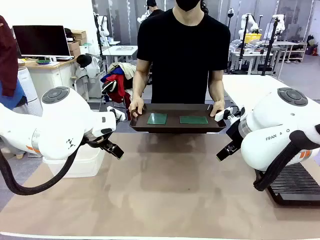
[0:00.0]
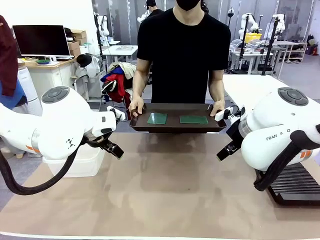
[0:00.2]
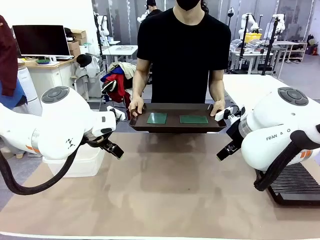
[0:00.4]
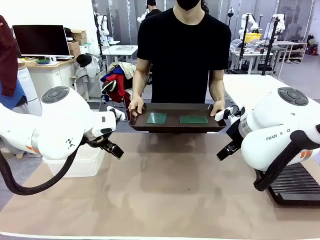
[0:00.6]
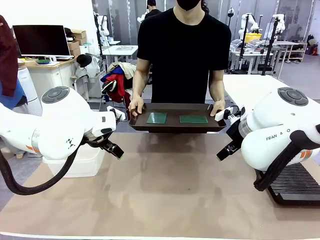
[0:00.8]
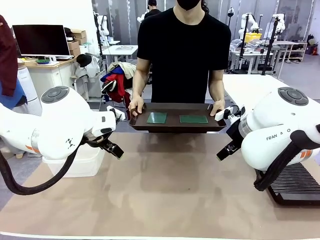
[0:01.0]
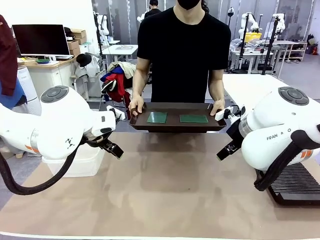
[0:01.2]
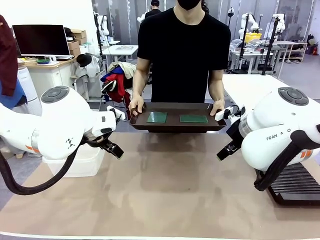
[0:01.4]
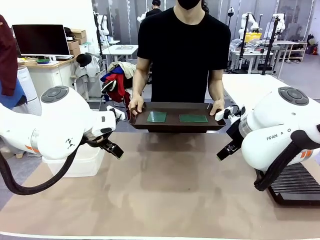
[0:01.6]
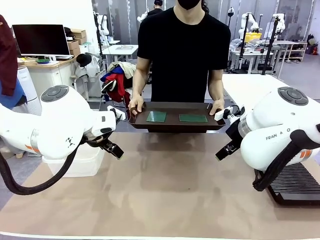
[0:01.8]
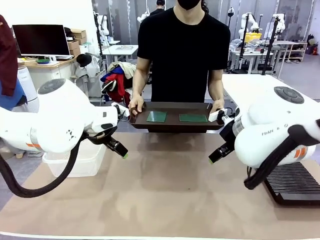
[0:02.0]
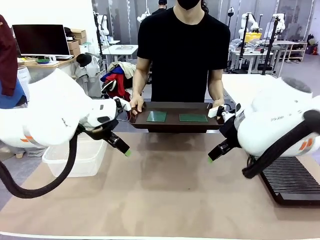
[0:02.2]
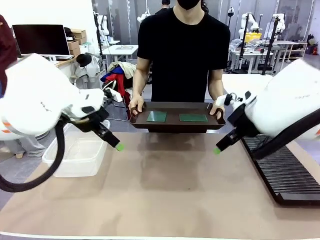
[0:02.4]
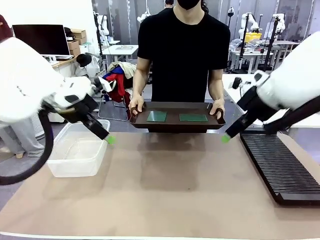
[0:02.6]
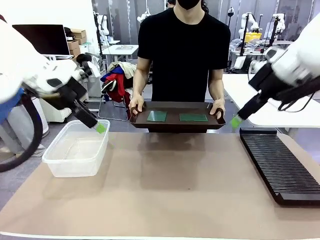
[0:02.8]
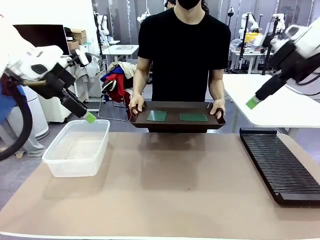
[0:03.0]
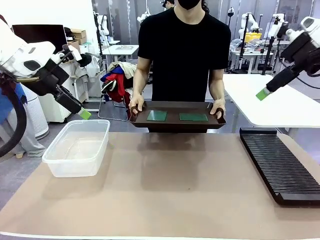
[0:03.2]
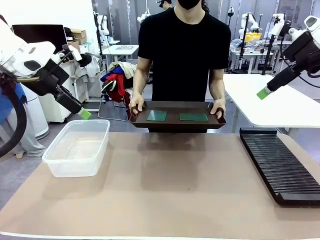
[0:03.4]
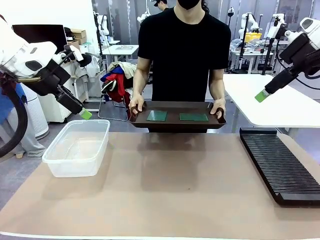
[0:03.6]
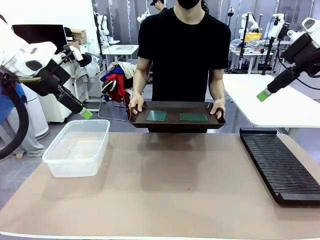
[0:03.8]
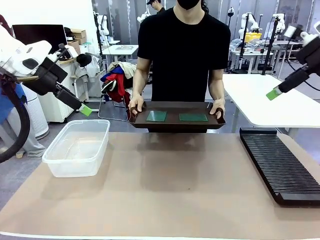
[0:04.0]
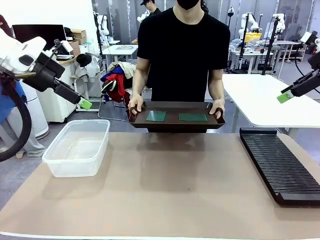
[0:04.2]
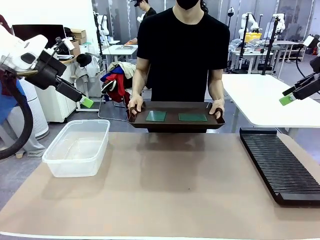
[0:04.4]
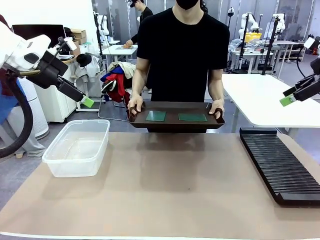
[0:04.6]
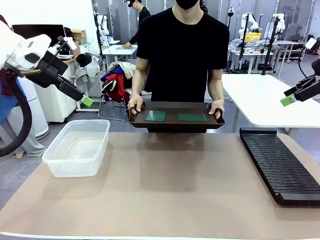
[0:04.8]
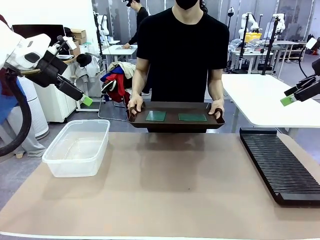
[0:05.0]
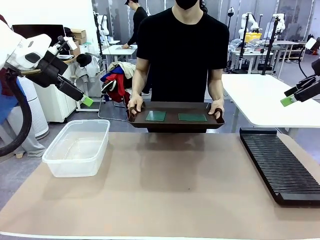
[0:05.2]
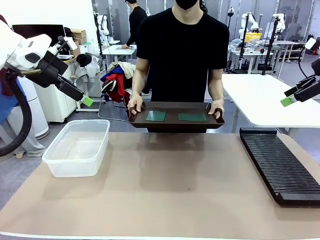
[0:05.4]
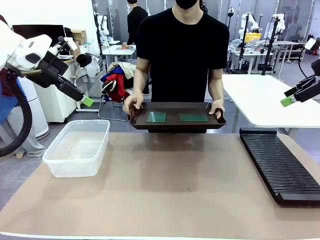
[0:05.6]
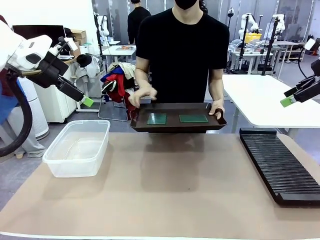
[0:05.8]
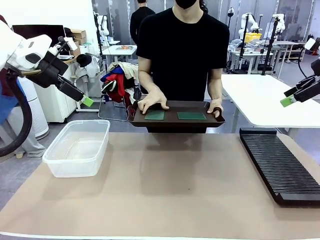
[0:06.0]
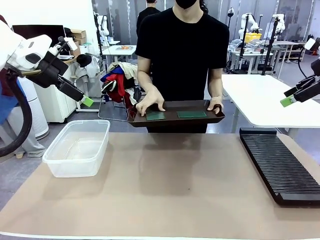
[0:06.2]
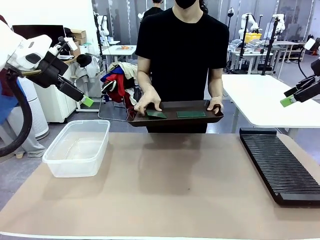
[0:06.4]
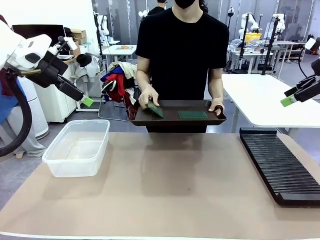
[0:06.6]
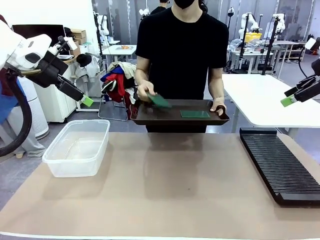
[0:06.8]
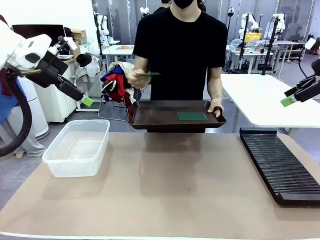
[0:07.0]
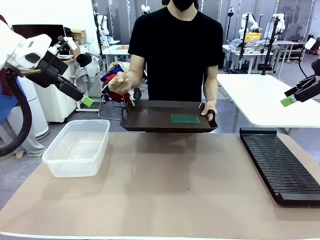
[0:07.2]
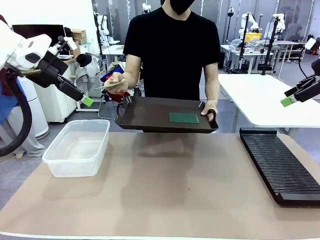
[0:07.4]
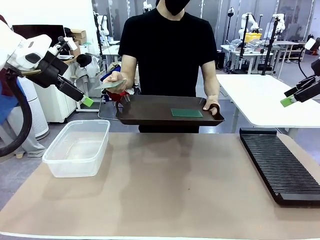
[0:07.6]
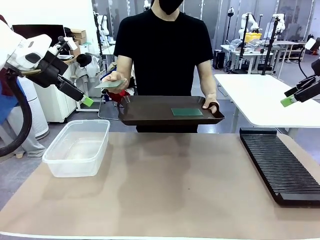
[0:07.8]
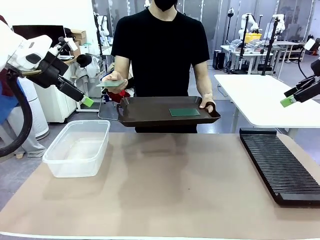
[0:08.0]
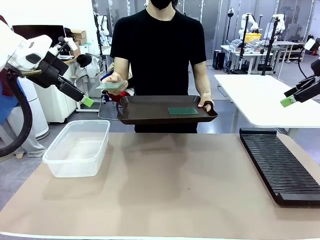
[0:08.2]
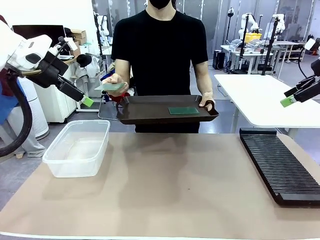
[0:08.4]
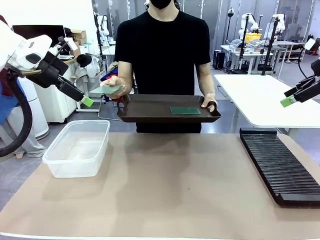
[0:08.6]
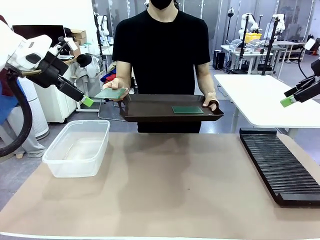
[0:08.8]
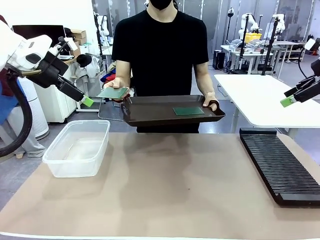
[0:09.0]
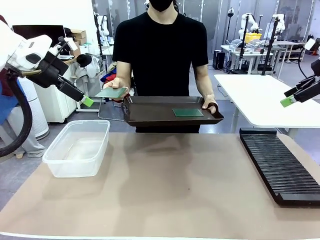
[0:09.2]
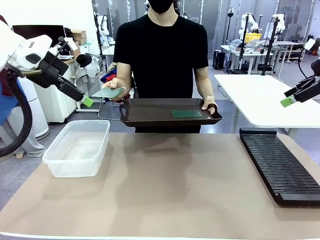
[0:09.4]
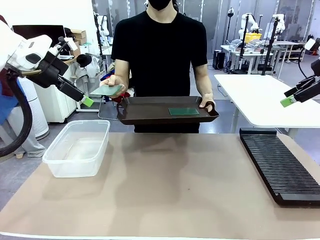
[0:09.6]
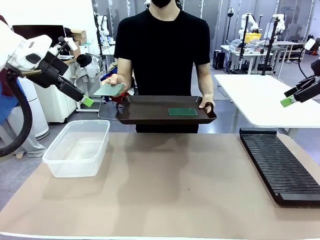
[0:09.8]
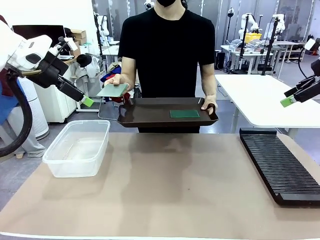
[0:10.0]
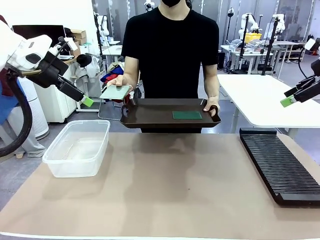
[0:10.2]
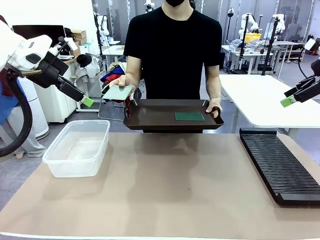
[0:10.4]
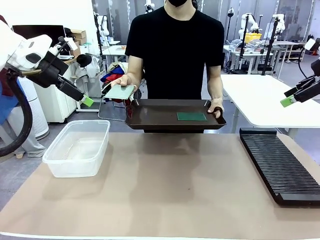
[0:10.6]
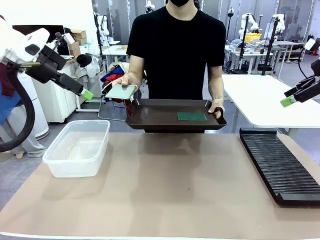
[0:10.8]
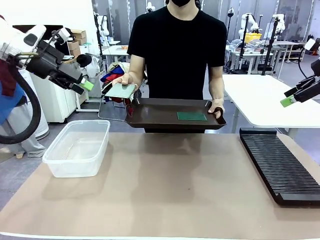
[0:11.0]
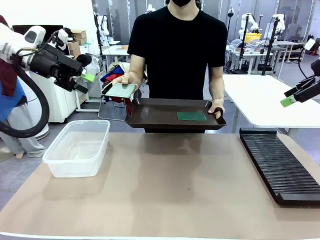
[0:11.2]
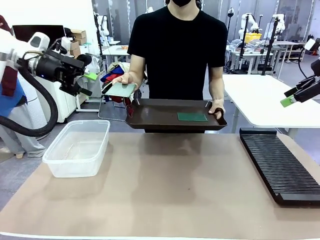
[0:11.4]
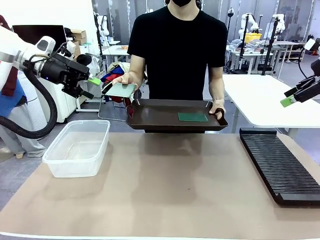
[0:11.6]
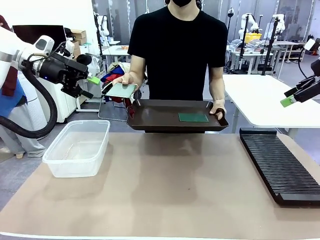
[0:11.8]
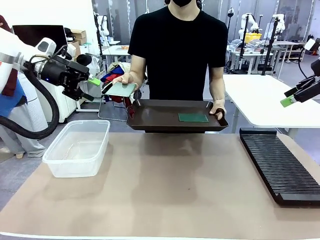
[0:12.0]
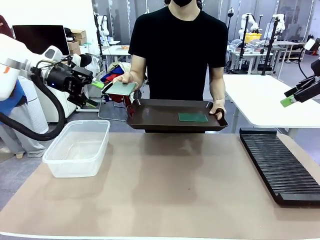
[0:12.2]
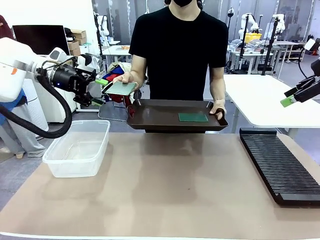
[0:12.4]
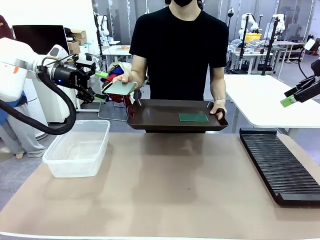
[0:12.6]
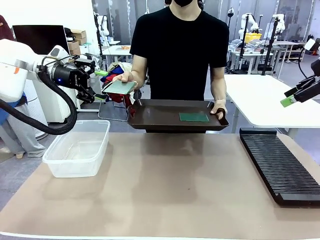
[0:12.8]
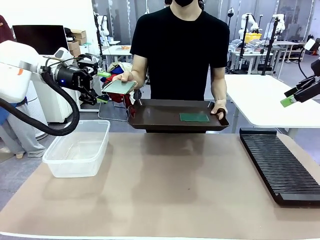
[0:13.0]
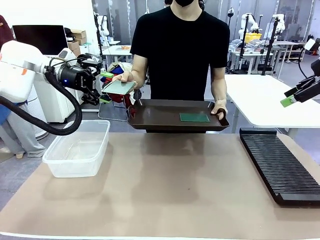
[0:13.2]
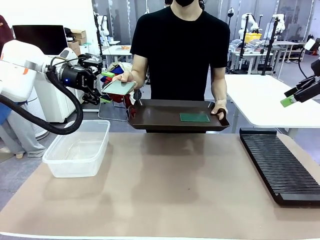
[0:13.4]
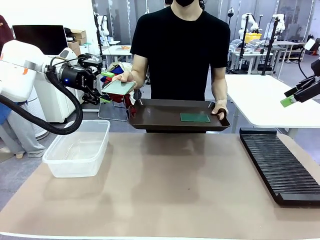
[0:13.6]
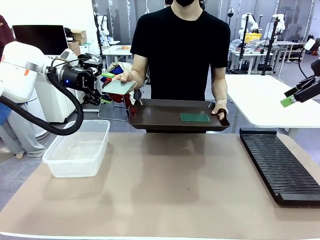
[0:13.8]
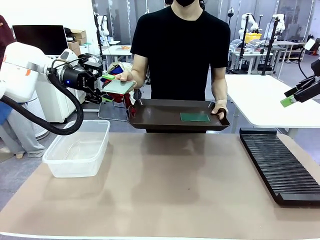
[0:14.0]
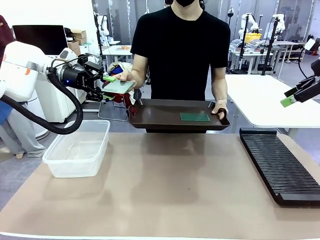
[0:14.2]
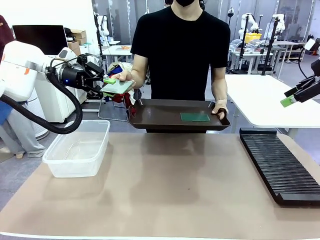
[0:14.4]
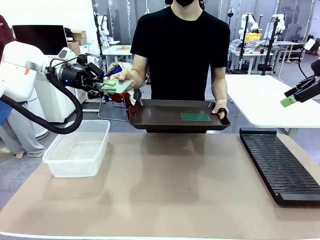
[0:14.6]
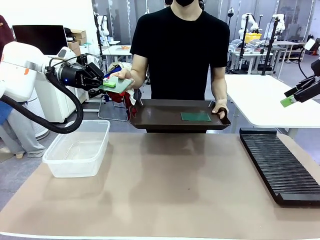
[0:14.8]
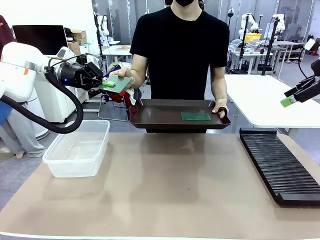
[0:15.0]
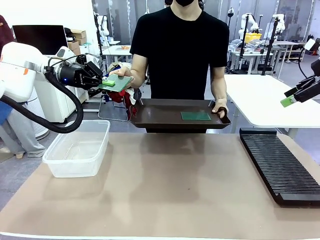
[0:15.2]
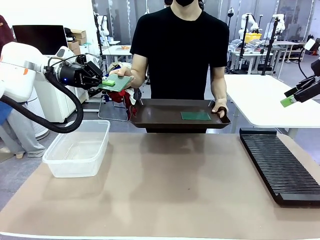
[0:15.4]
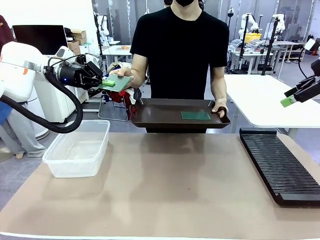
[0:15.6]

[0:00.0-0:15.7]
Task: Sort PCBs into racks and boxes based on the side picked up.
Robot: Pick up the Blank PCB handed by the Human.
Person: Pick one PCB from the tray and present it to the robot. Release the PCB being held.

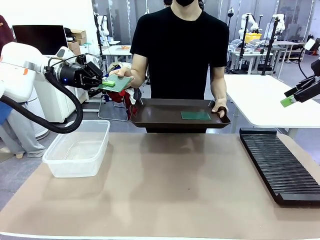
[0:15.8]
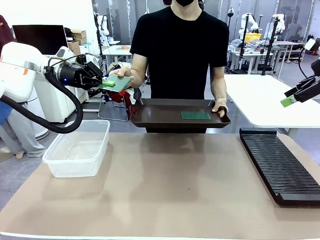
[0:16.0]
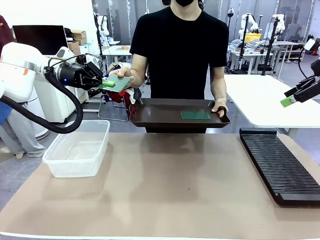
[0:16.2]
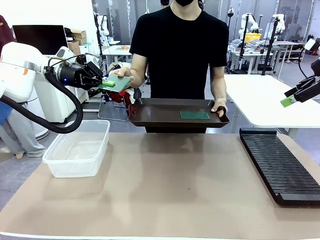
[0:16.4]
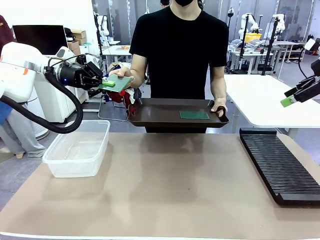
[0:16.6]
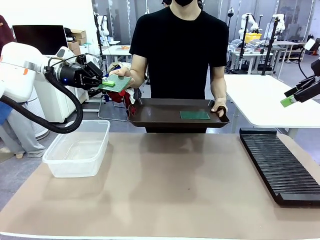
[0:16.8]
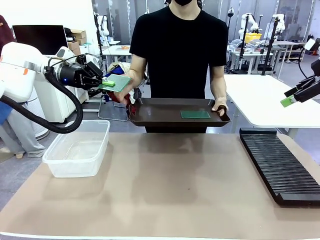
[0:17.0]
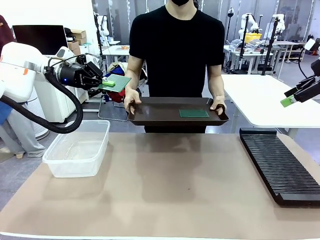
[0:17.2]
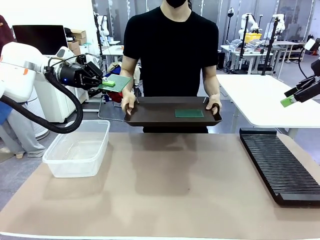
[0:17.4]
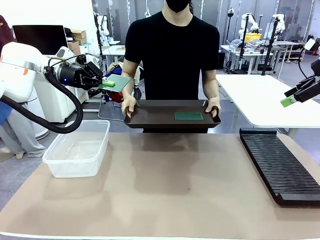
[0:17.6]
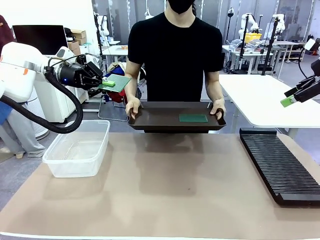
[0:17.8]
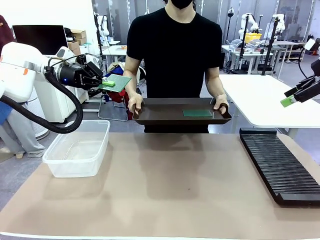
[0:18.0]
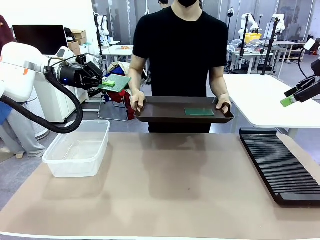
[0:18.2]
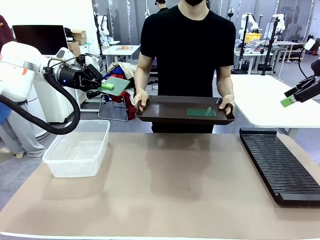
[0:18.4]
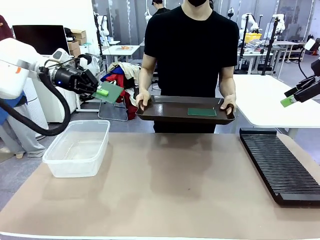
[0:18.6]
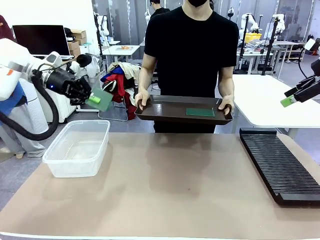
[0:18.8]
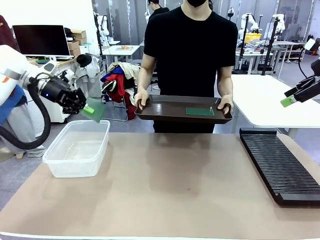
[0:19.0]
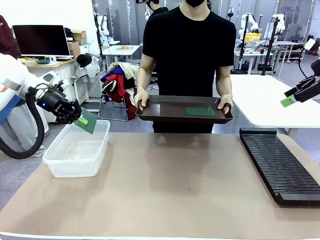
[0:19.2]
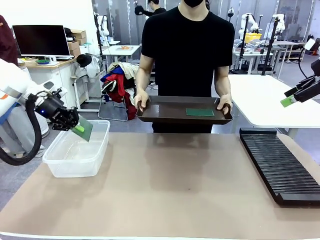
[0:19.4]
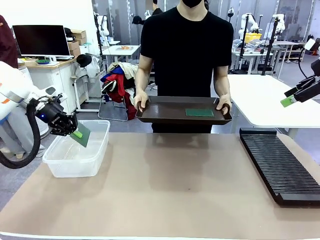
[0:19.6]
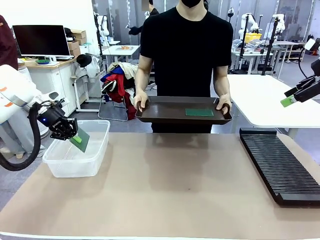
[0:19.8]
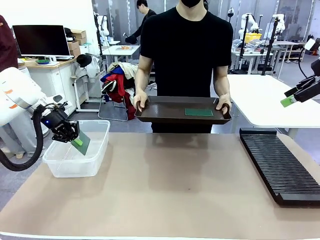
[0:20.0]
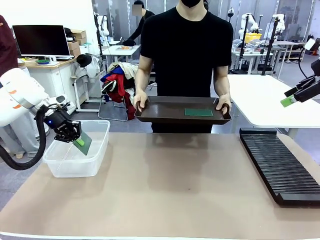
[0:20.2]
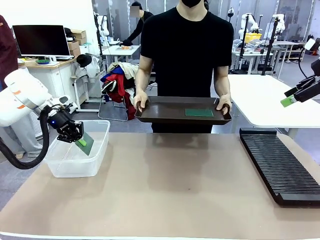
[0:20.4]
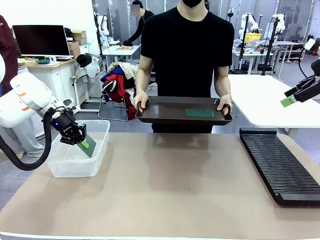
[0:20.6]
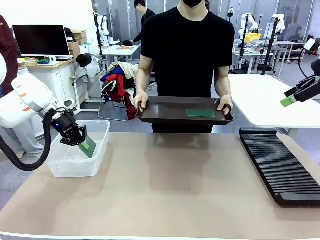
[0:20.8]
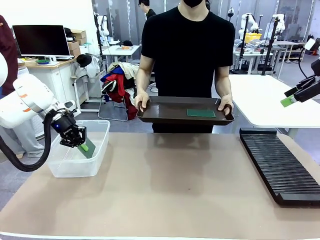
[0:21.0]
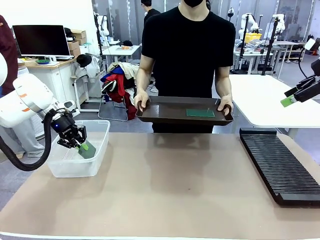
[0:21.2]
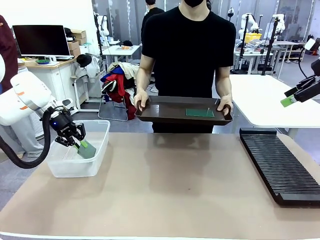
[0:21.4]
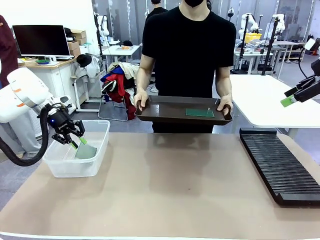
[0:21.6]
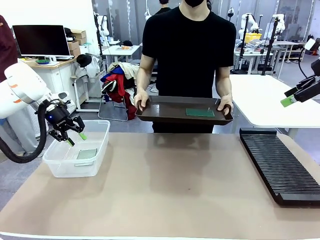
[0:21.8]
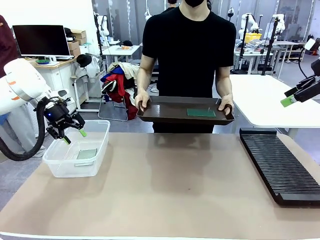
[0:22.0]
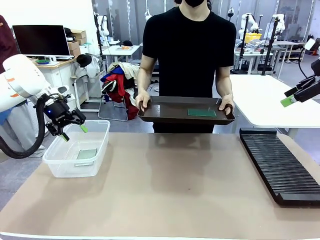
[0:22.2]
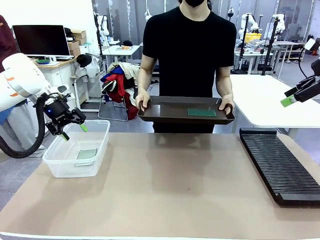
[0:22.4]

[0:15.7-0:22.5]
Robot: If the short side of the Blank PCB is picked up, insert it into the PCB Rack ; if the long side is picked up, place it in the Organizing box.
